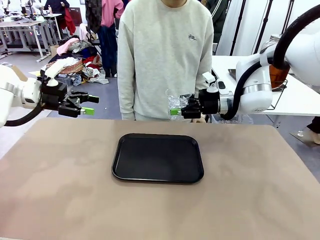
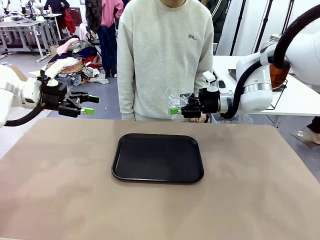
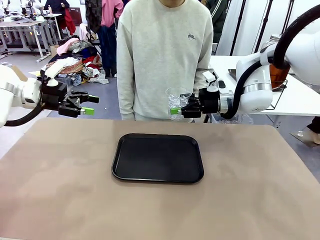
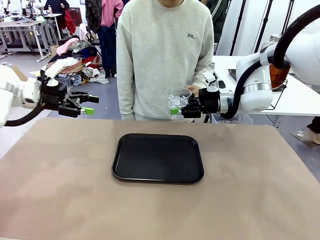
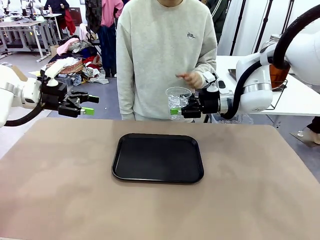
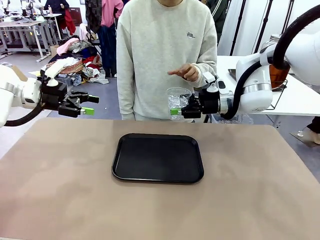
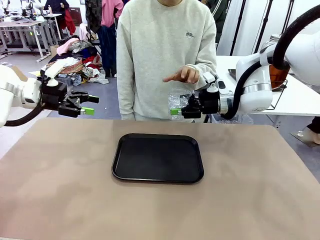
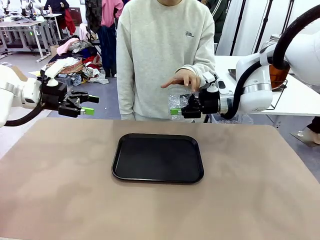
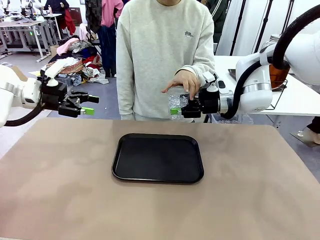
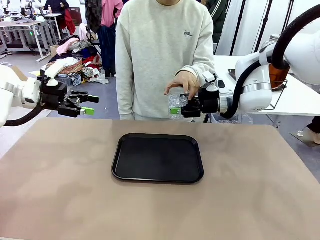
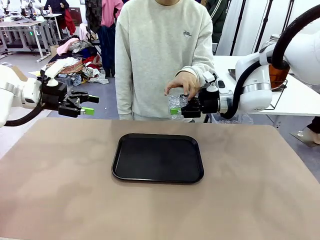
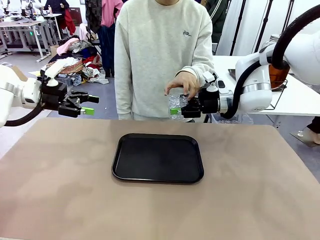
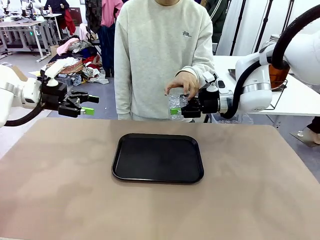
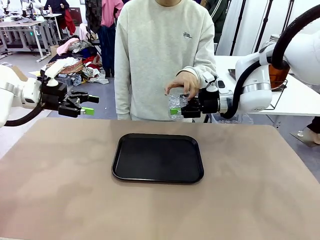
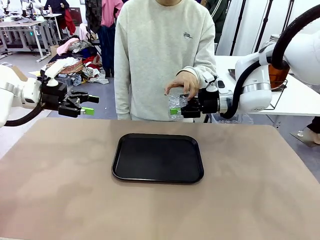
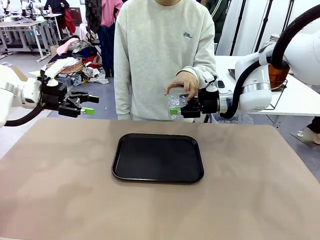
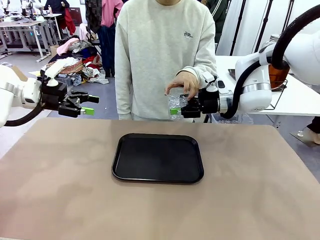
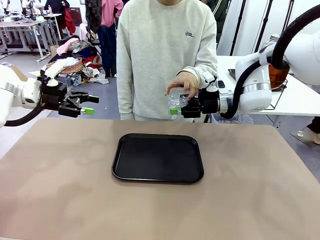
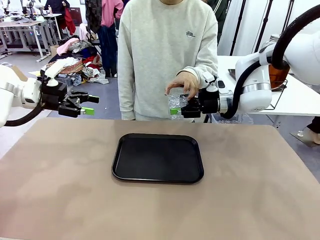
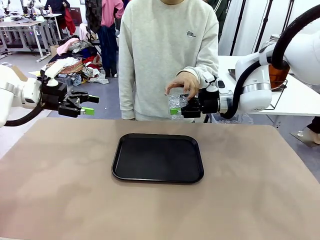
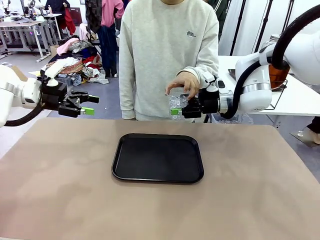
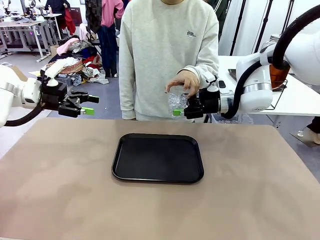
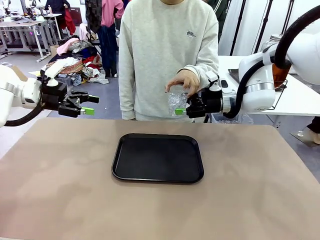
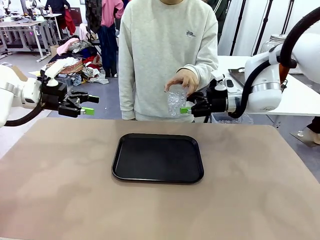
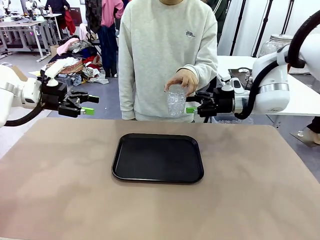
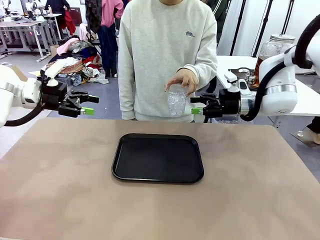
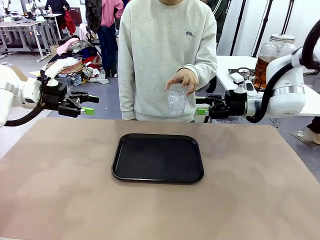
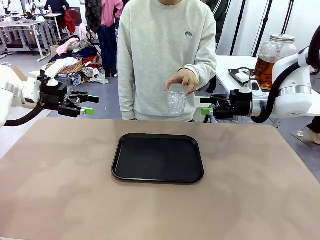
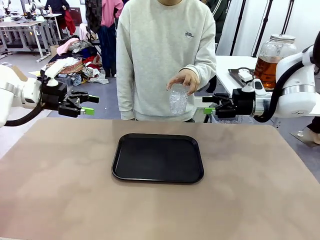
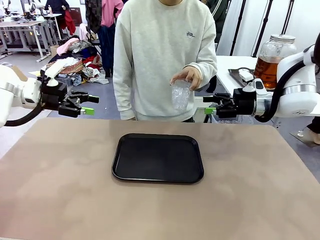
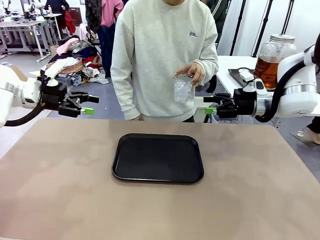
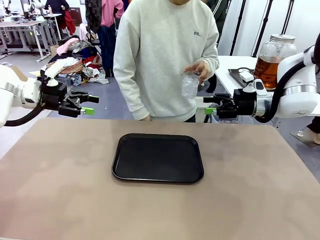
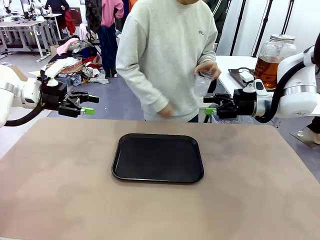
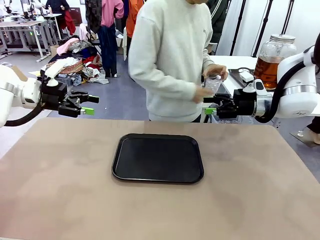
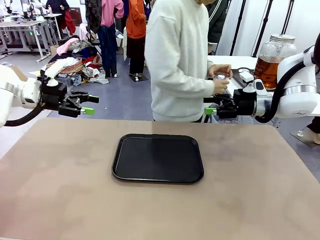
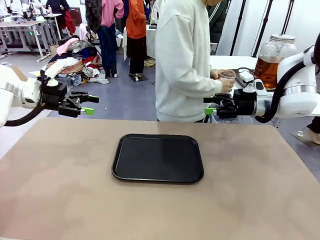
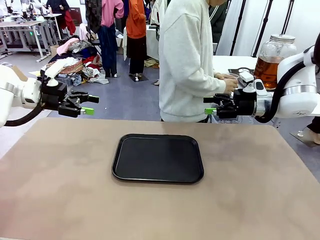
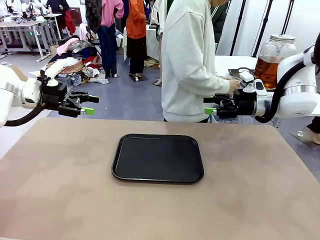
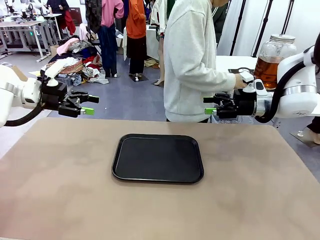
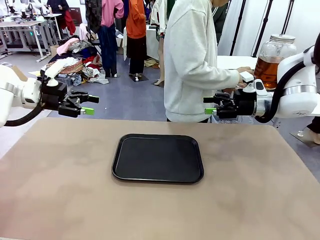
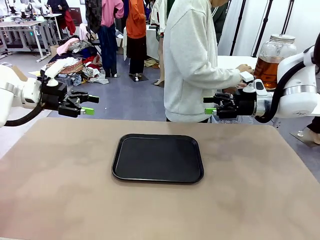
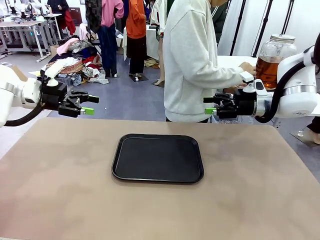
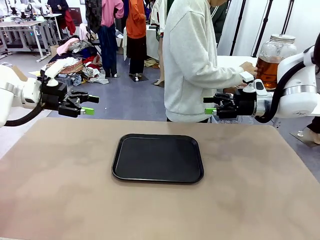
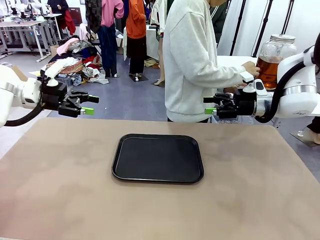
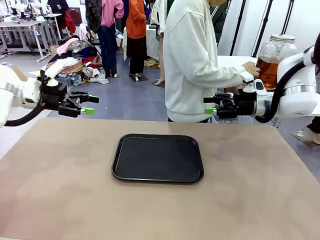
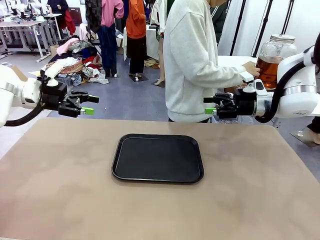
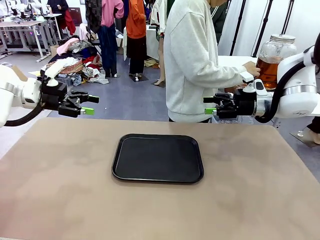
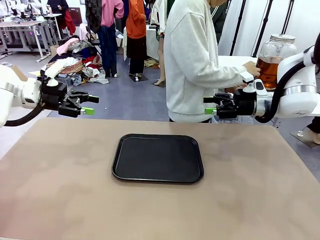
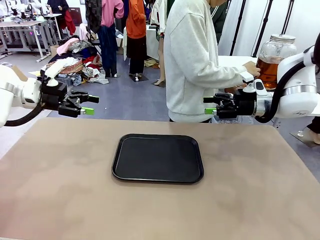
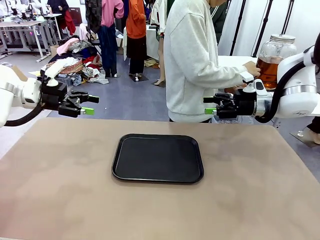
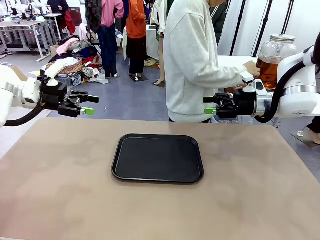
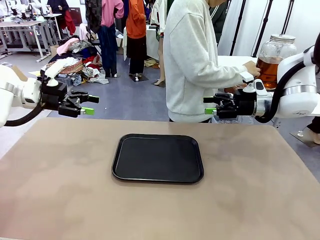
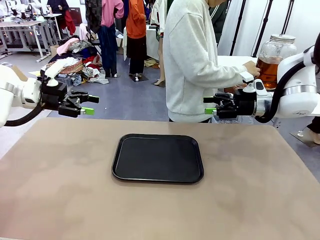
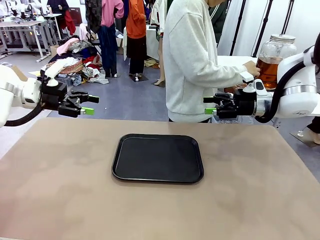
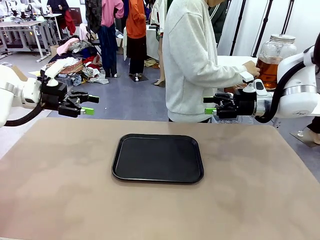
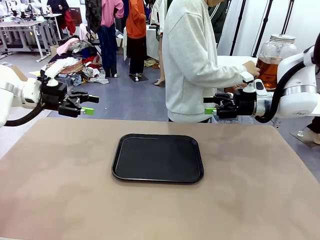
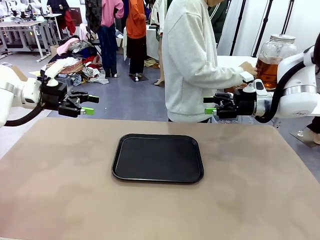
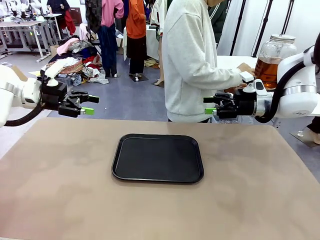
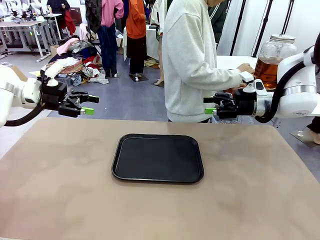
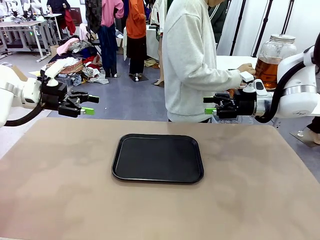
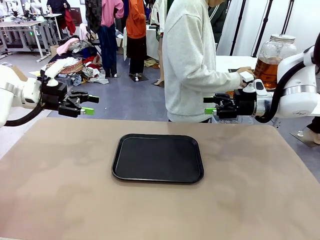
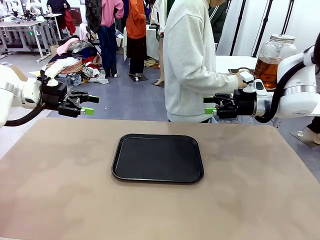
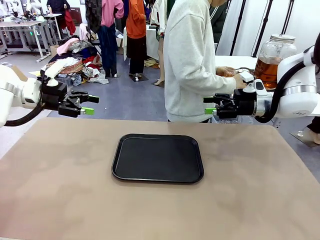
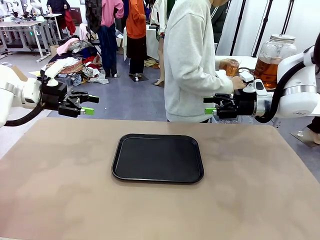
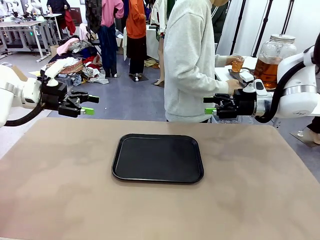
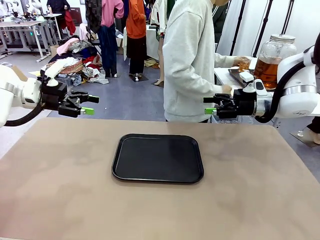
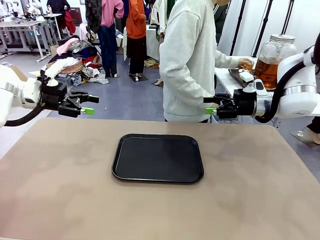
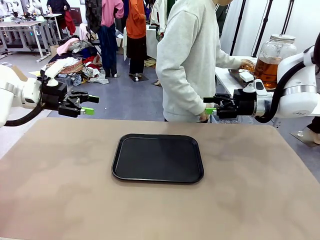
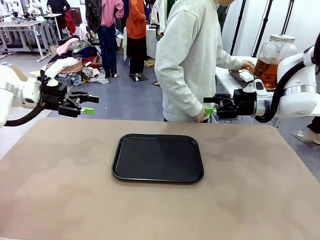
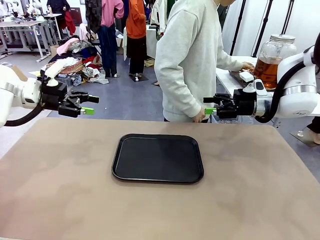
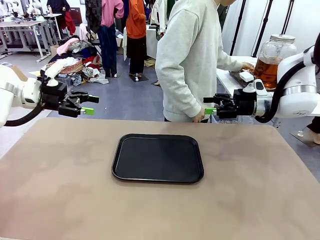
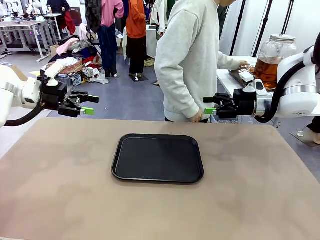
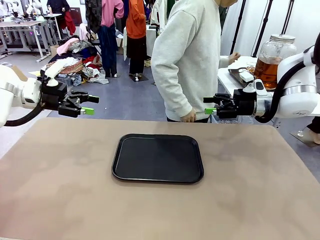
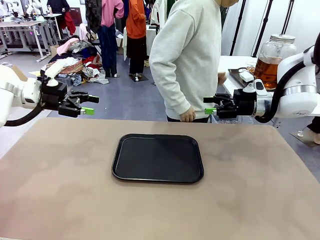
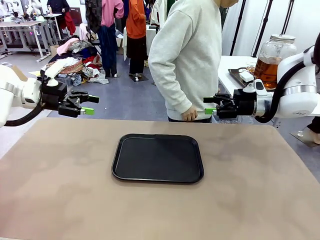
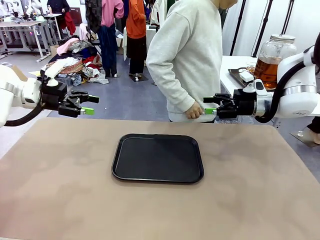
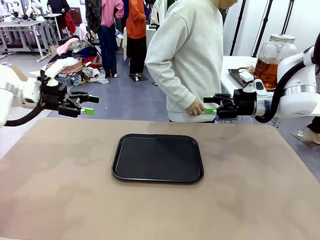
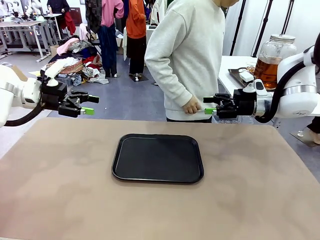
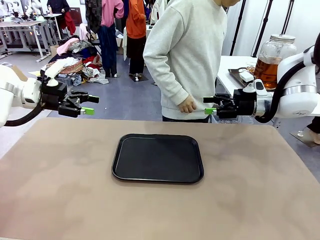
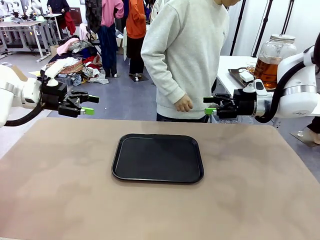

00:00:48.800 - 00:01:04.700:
Task: Pour the drink into the iced cup.
Robot: Open the gripper to release the iced cup you were holding.
Person: Move the picked-up cup under the dispenser faucet, pour the drink, and place it on the tray on the human table.
